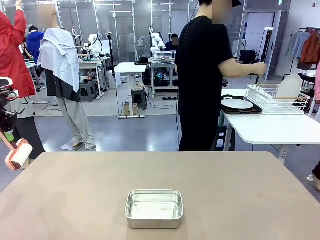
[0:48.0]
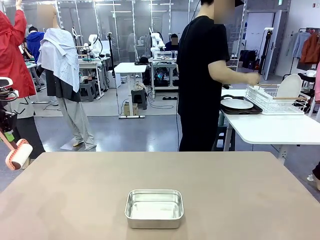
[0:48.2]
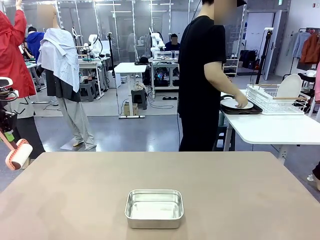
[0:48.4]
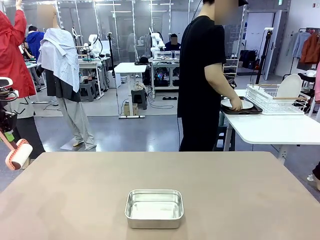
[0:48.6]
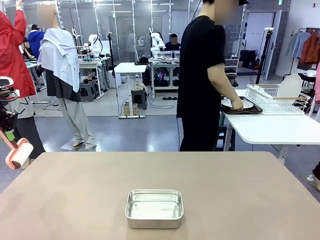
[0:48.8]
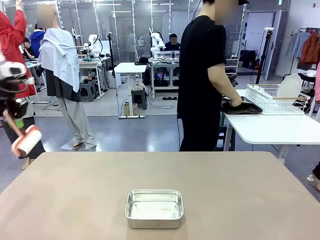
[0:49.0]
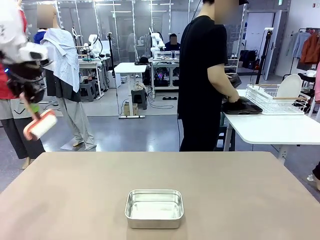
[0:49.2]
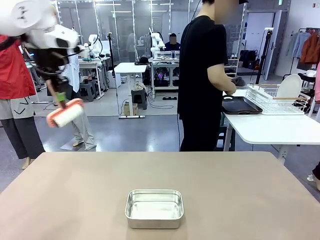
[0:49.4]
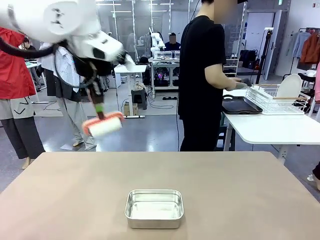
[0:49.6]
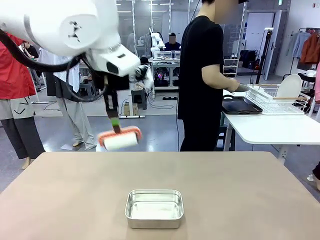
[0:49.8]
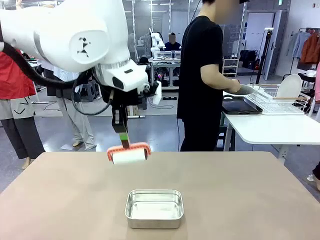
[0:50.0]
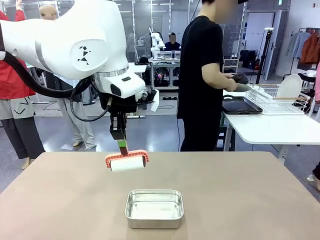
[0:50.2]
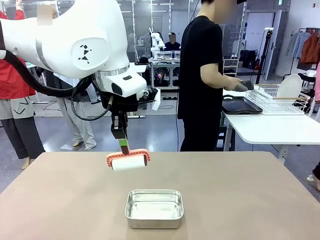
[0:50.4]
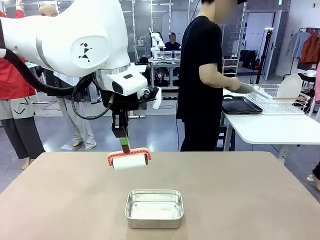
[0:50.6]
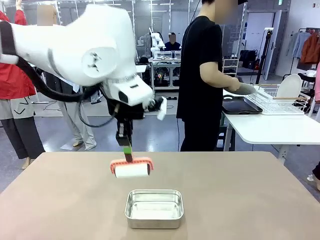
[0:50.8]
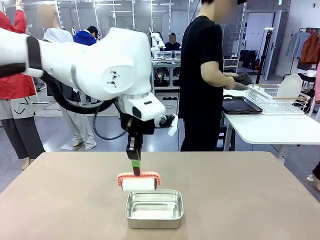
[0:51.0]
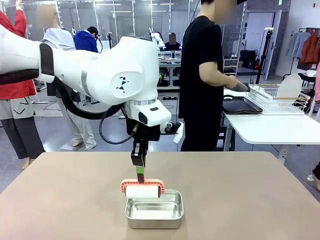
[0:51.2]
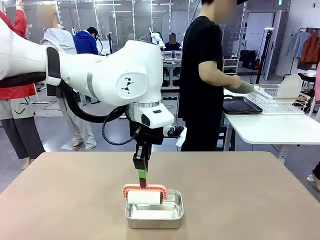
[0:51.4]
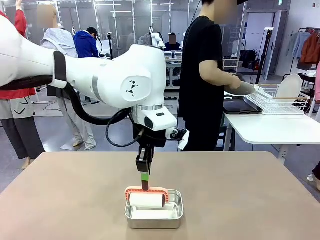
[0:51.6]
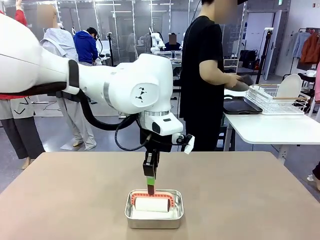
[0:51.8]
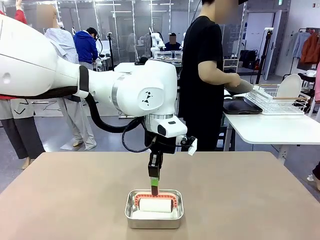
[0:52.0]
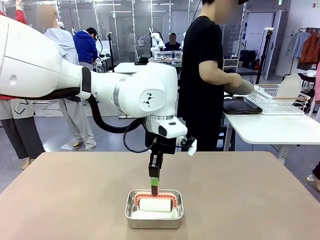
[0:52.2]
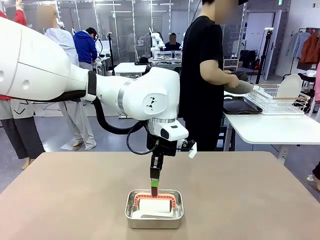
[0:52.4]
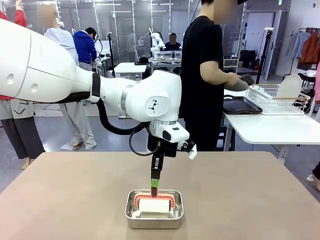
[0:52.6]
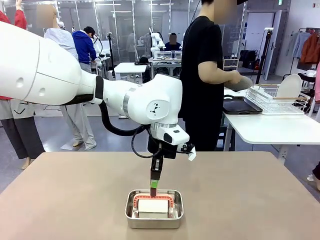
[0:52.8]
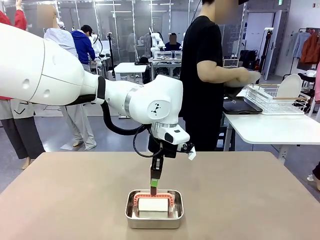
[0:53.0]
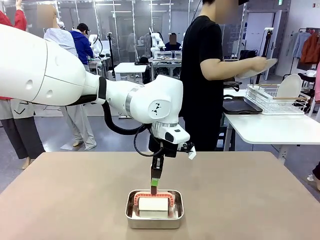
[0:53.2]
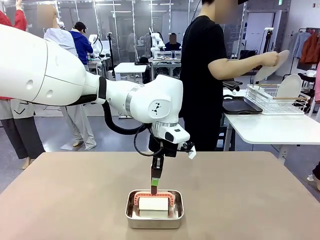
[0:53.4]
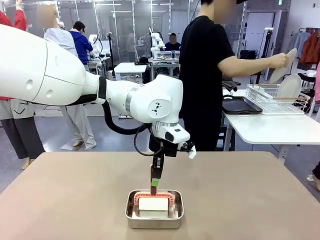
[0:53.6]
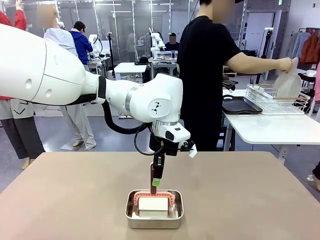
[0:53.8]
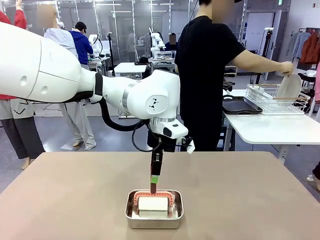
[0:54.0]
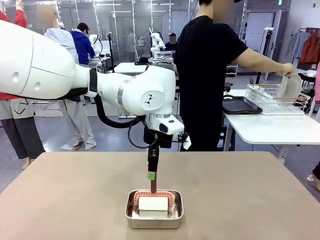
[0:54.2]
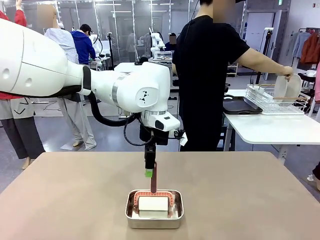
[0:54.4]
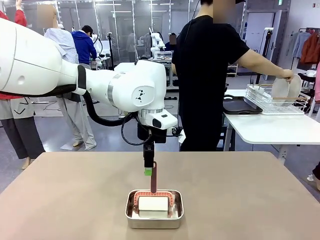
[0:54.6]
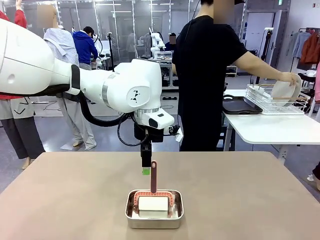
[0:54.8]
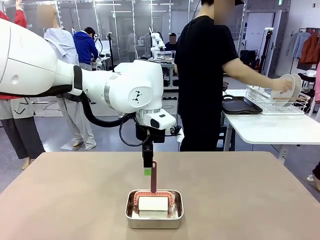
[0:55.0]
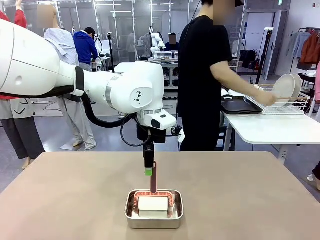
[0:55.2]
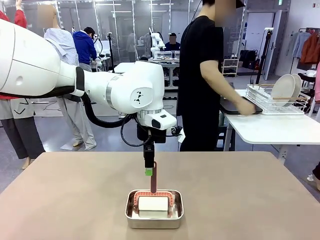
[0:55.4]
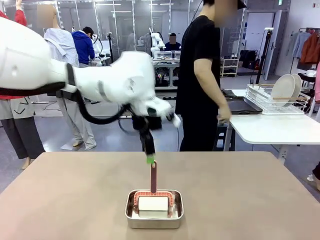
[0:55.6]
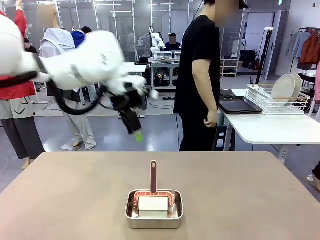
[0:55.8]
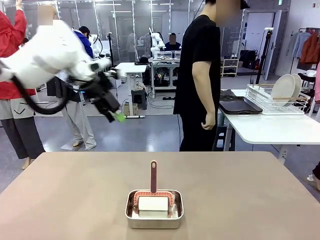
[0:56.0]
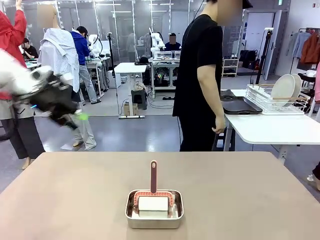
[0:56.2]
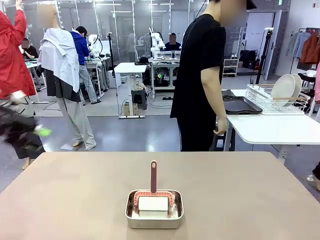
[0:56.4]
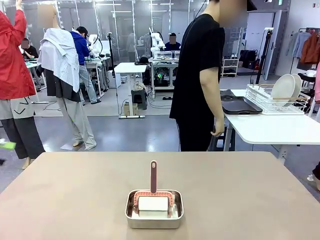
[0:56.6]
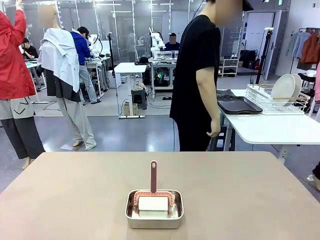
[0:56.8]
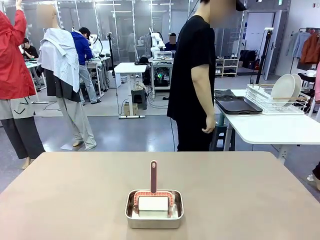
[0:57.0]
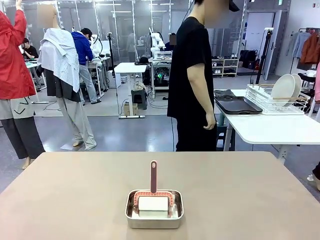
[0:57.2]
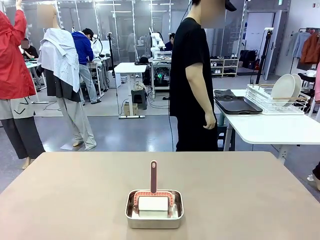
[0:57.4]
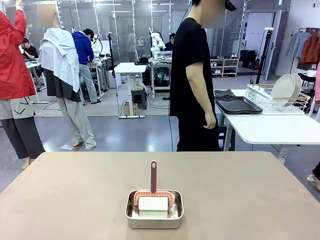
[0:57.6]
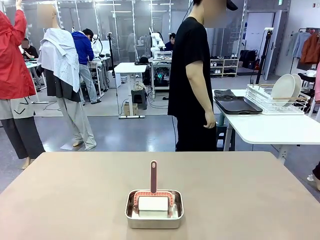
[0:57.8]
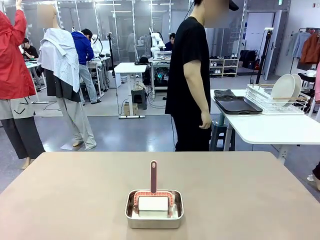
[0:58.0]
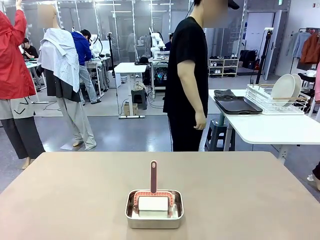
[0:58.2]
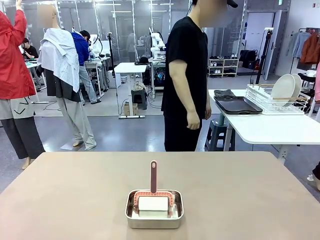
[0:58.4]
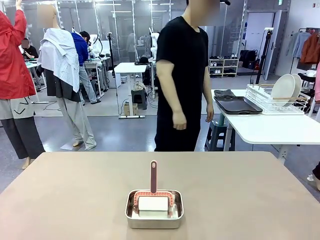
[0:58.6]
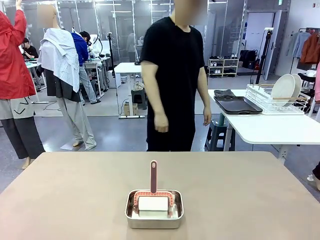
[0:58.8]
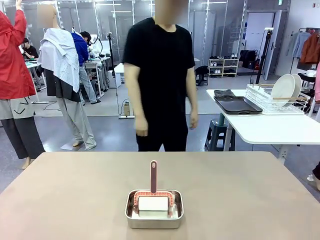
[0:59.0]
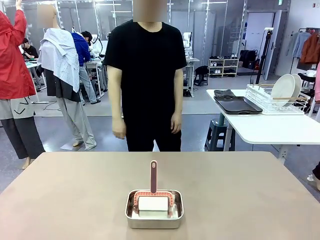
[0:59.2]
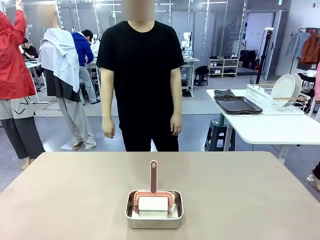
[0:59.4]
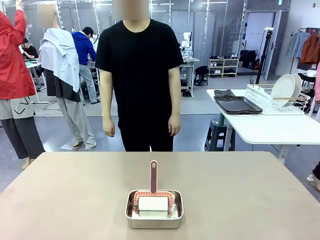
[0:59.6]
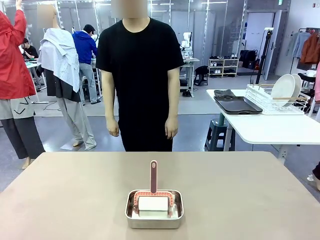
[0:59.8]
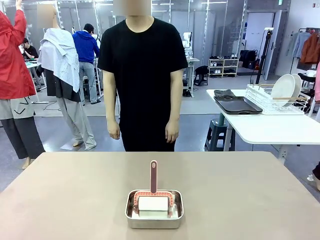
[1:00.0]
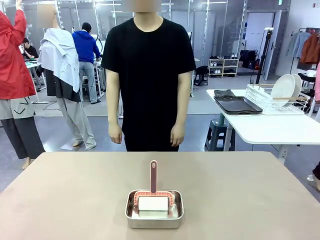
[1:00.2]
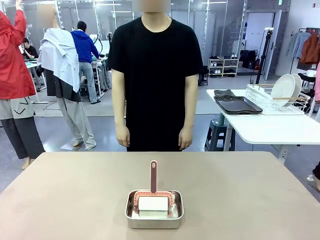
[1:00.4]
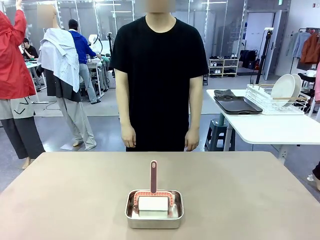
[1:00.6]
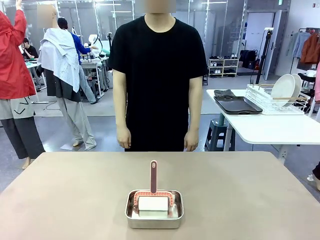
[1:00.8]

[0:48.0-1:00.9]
Robot: Place the Lint Roller back on top of the Airtight Container.
Person: Use the Towel with hook to wipe the Plastic Matte Plate , Fork , and Knife and place into the Dish drying rack.

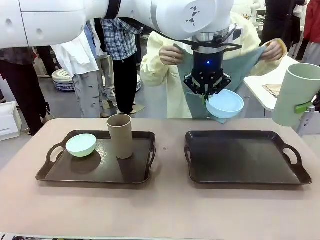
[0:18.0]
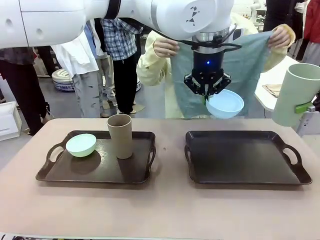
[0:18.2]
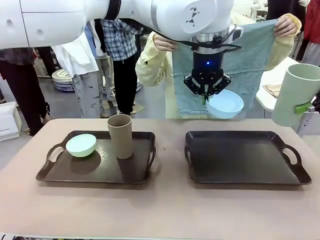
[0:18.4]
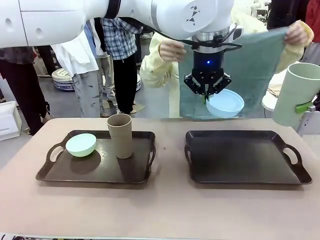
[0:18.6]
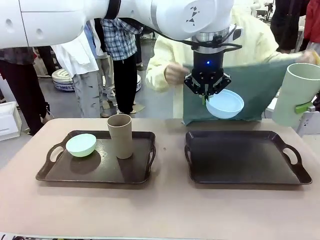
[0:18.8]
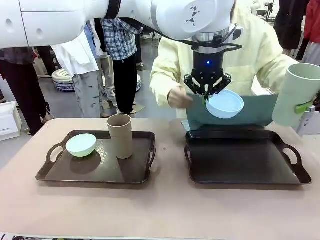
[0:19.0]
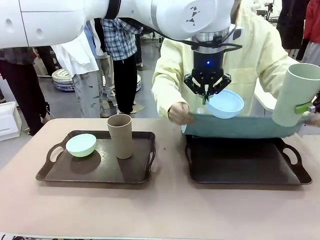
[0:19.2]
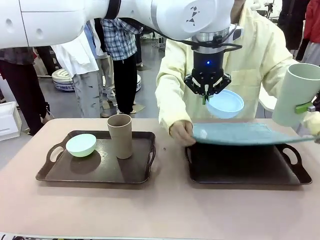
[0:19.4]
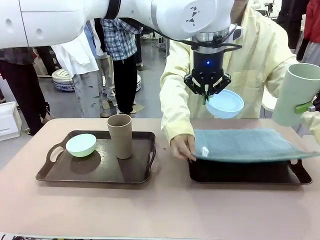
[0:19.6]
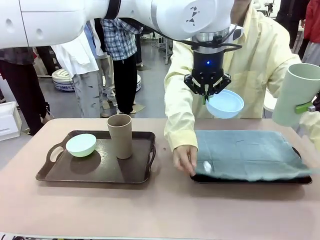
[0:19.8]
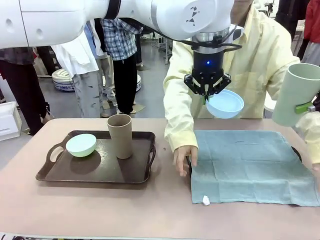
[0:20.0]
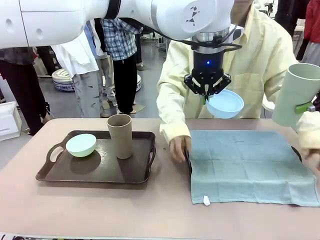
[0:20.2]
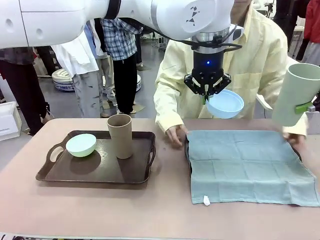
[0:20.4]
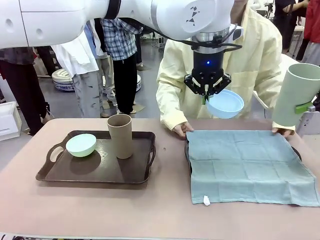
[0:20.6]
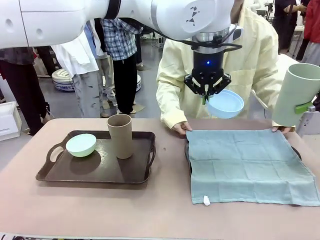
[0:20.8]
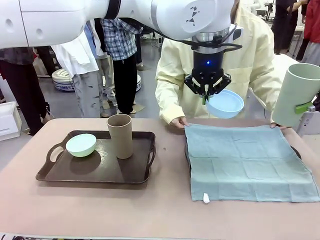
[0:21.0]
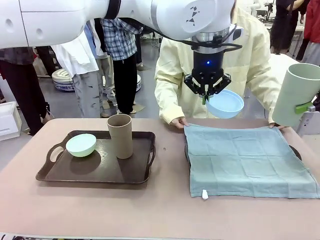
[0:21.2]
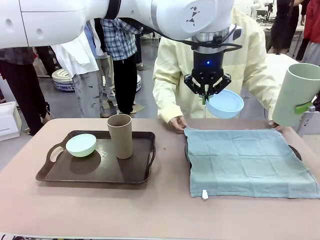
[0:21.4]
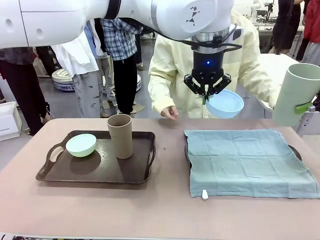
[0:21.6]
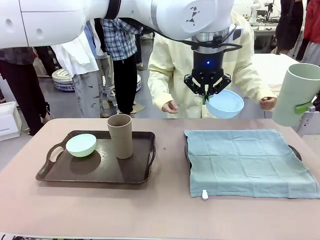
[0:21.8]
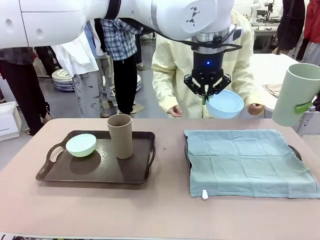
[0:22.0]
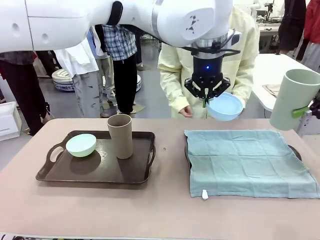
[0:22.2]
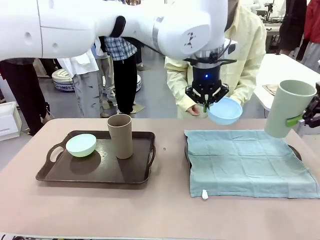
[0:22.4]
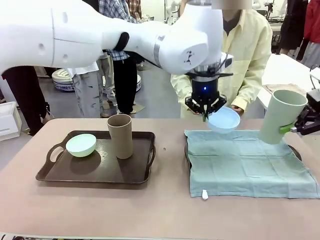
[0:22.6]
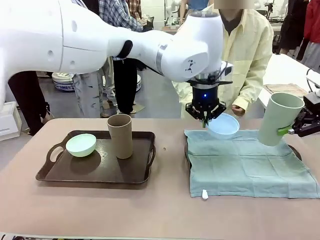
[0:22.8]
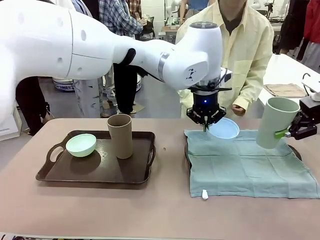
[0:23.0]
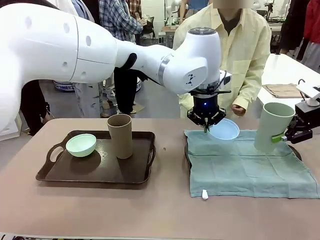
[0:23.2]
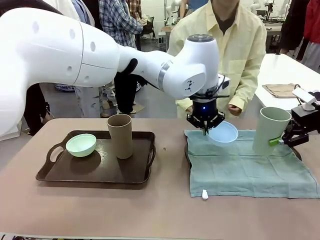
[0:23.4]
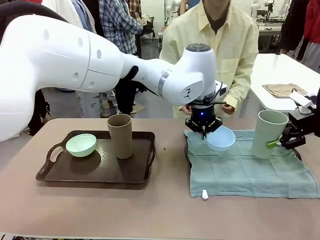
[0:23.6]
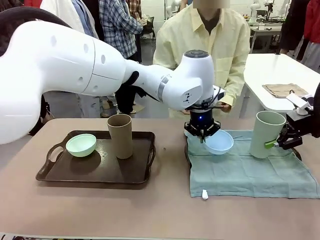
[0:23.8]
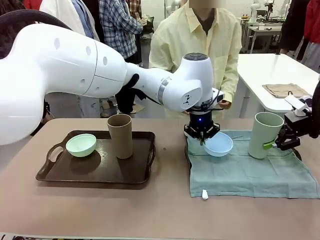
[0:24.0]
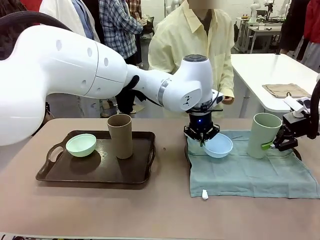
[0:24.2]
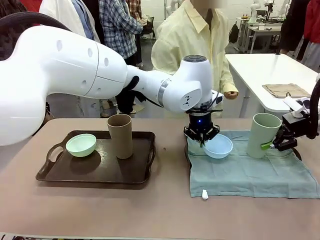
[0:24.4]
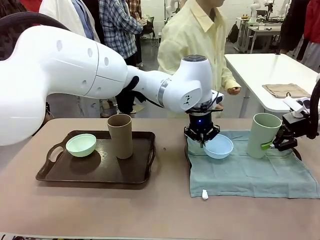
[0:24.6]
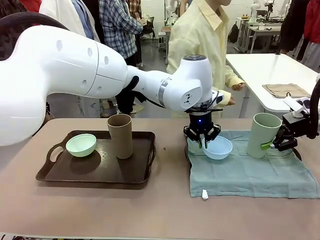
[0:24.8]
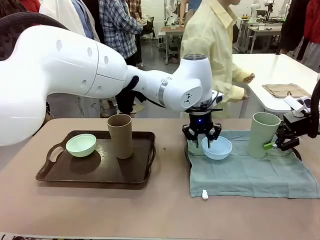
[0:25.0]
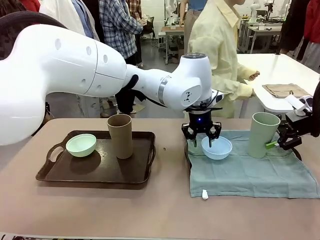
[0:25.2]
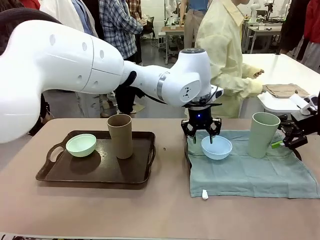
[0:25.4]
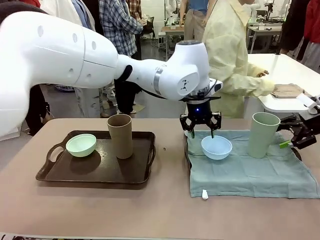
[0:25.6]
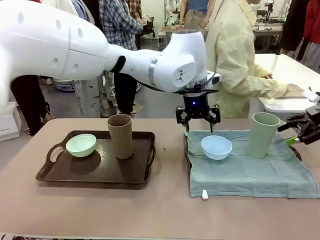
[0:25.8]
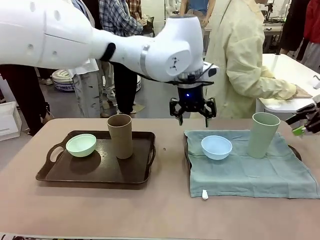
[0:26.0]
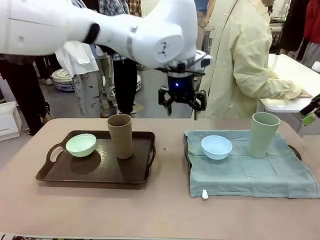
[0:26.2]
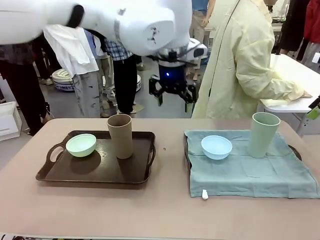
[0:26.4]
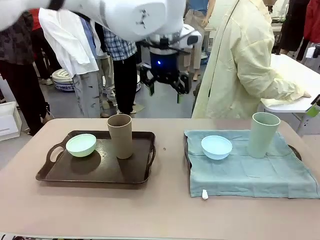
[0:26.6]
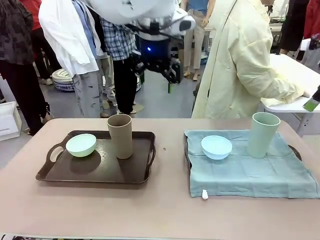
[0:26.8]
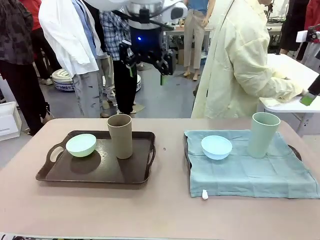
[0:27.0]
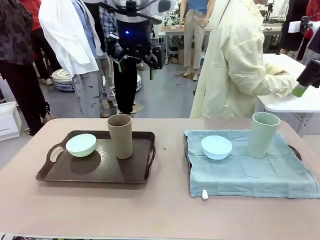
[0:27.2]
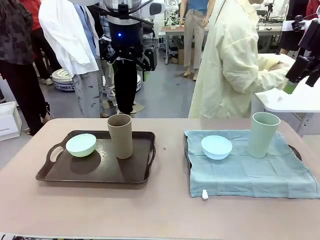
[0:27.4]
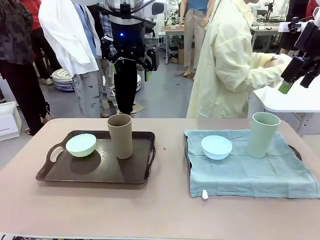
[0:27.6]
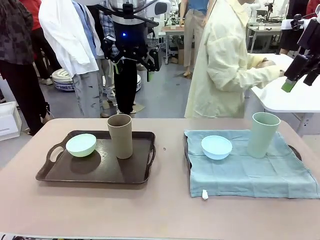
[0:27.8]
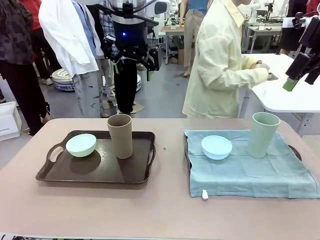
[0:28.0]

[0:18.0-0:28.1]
Robot: Place the Picnic Bowl and Reusable plastic cup back onto the Handle tray in front of the human's position.
Person: The human returns to the human table to pick up another napkin and walks to the robot table to stand in front of the tray without a napkin.
